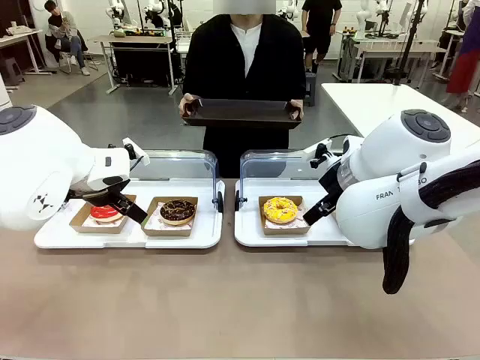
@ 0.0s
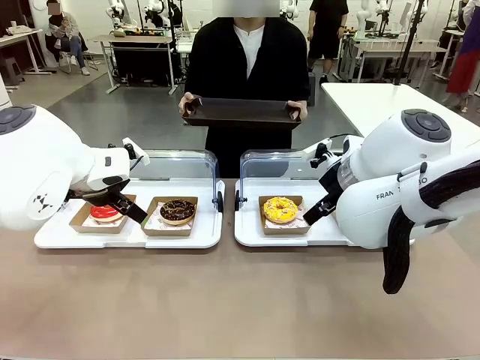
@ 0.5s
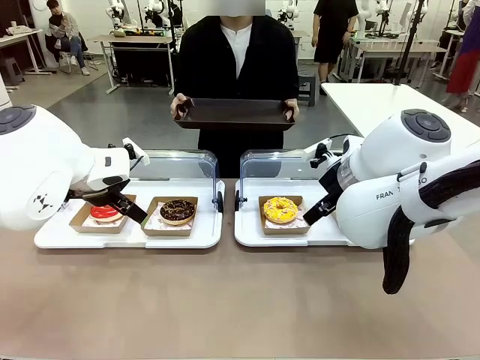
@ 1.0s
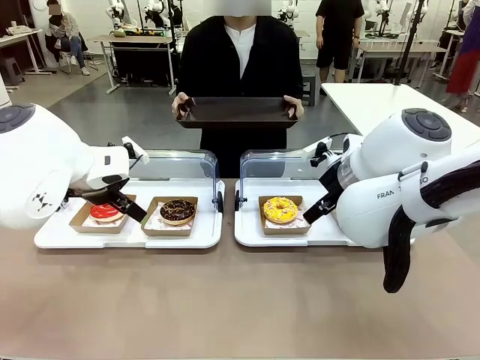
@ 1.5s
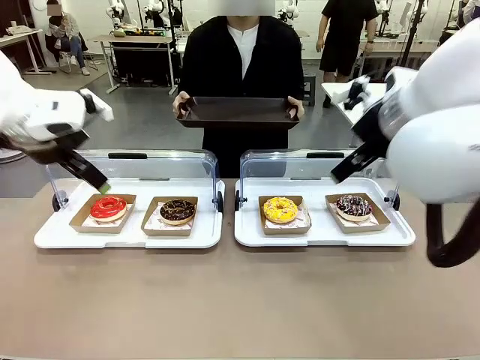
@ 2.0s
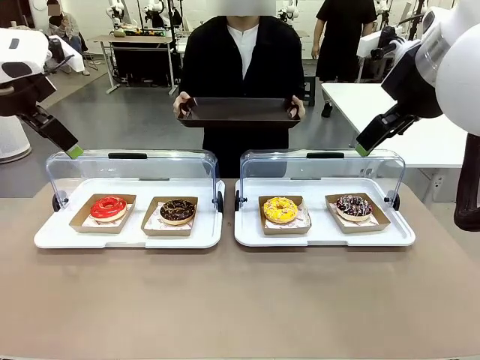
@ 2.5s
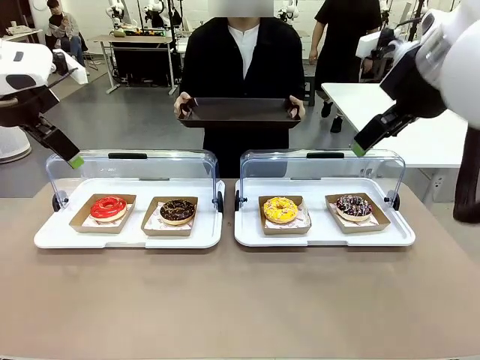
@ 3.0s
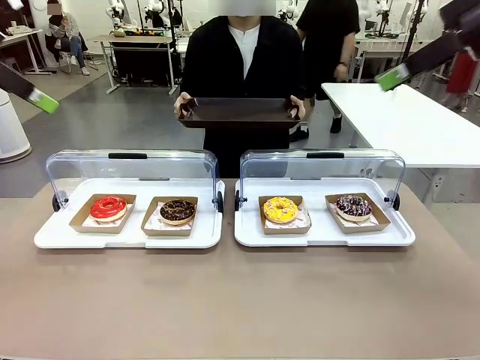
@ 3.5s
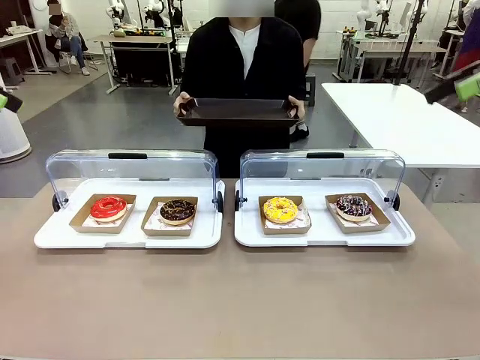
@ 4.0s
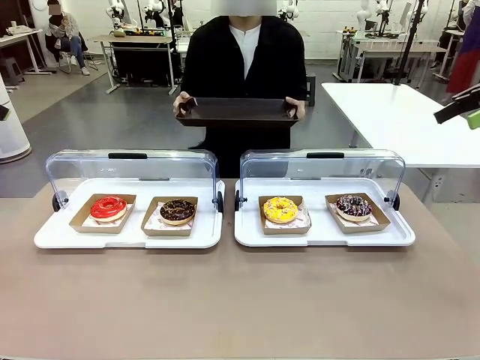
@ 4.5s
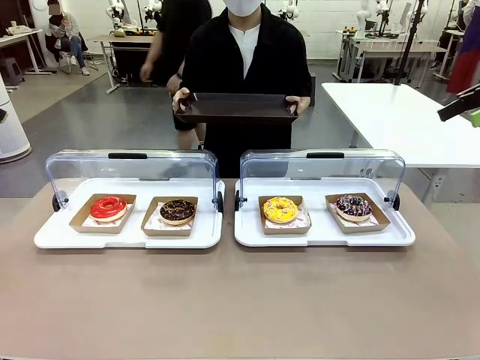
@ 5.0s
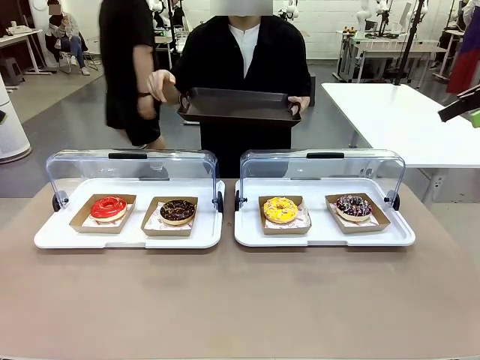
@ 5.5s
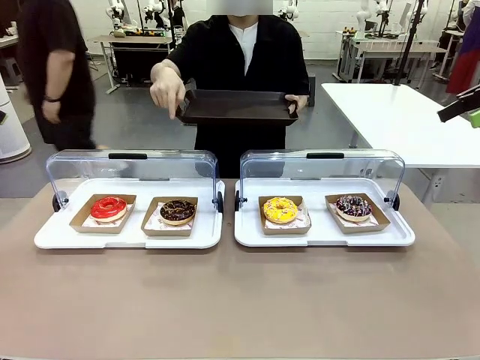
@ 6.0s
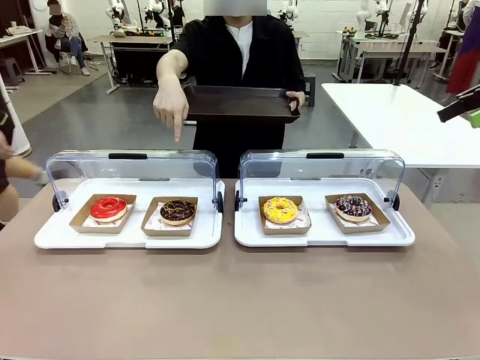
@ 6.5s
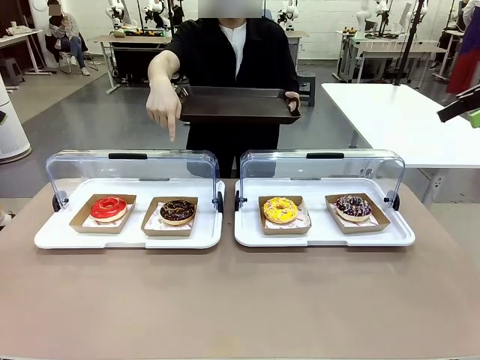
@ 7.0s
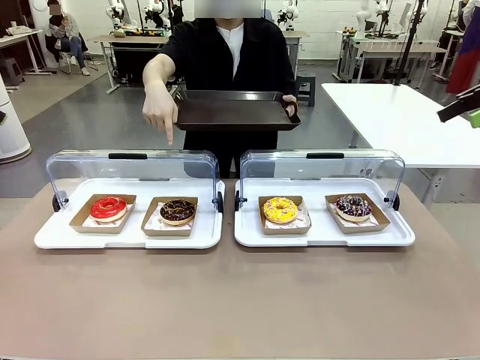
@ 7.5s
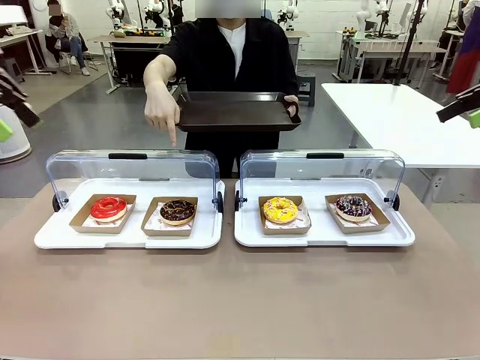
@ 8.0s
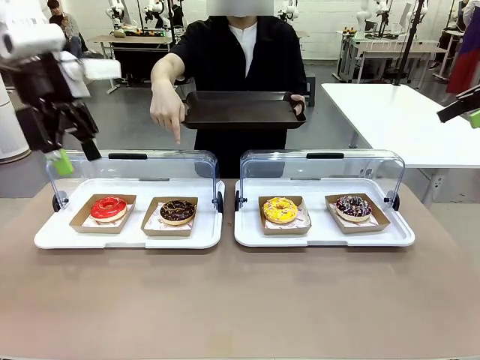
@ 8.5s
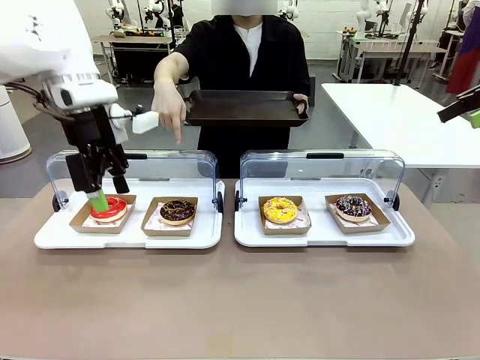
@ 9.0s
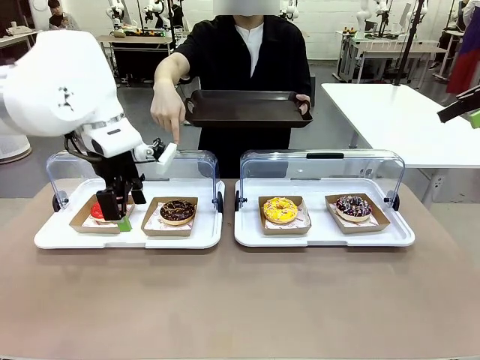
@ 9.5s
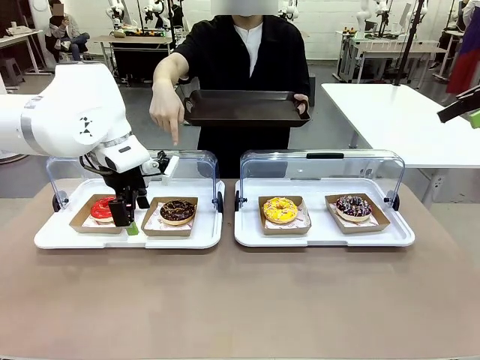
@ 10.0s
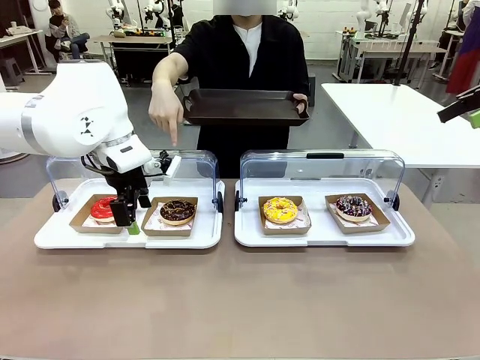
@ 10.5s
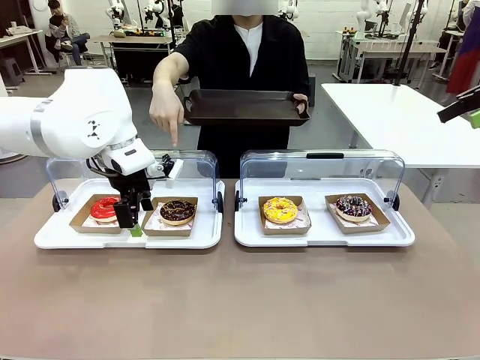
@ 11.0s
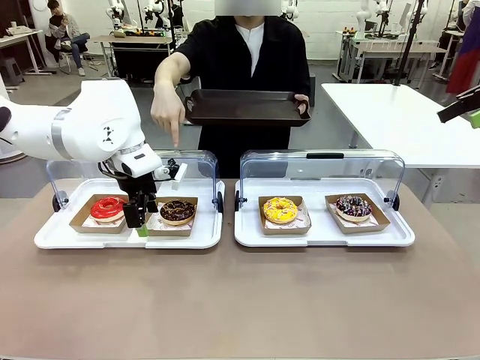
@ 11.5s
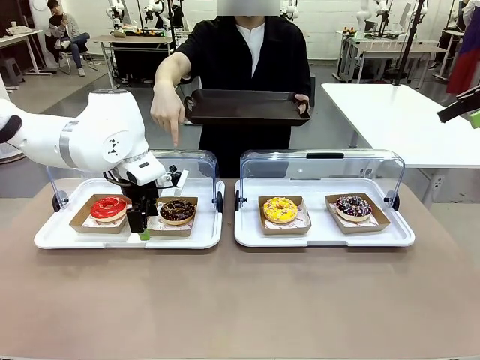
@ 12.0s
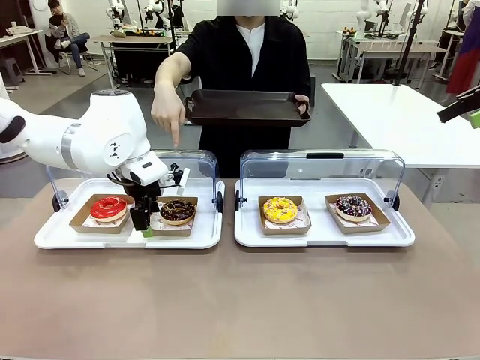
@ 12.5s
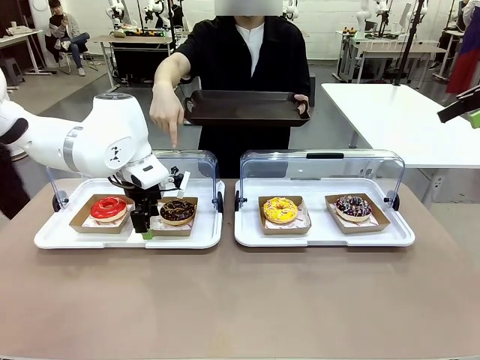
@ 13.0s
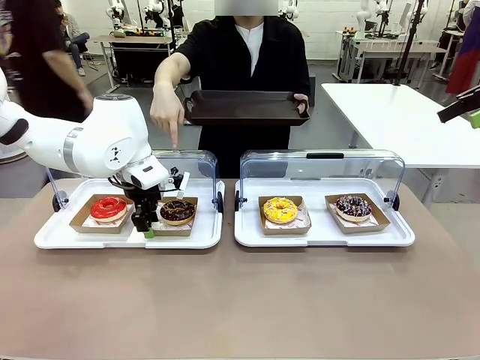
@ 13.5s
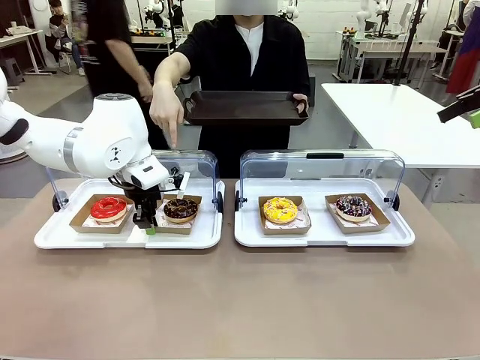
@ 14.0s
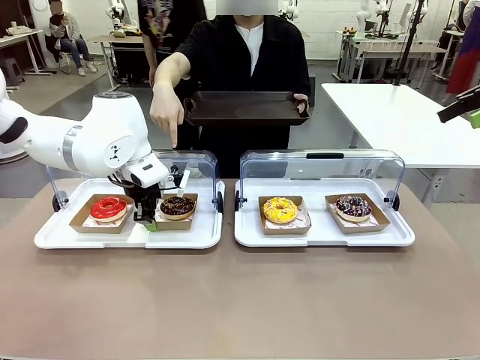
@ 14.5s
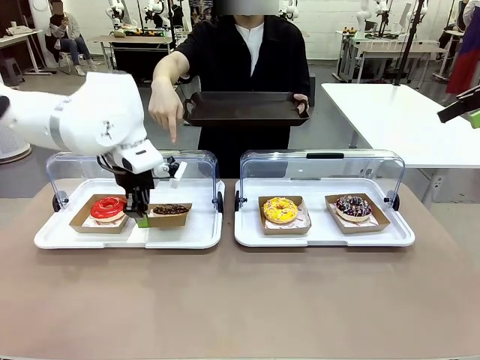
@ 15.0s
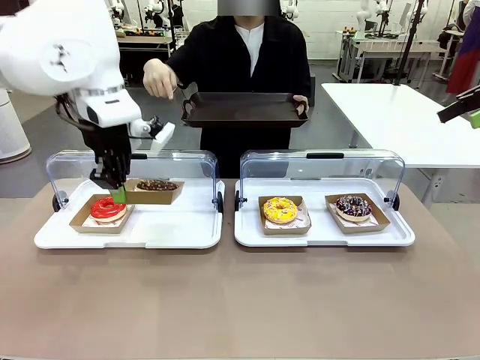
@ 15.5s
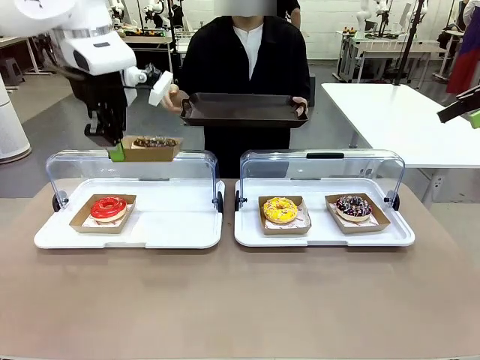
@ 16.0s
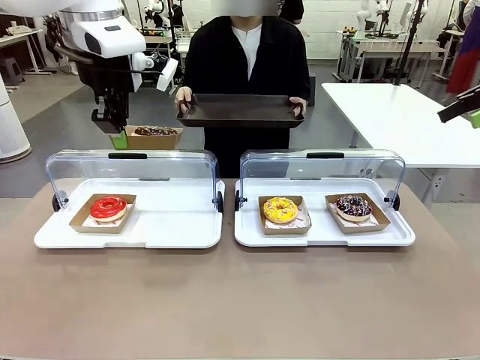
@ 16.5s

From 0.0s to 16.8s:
Task: Provide the desired donut to the person.
Robot: Pick up and lift the Paper togo box containing the Donut pointed at by the person.
Person: Point to one donut. Lift the tray onto the Roll-Top Bakery Case.

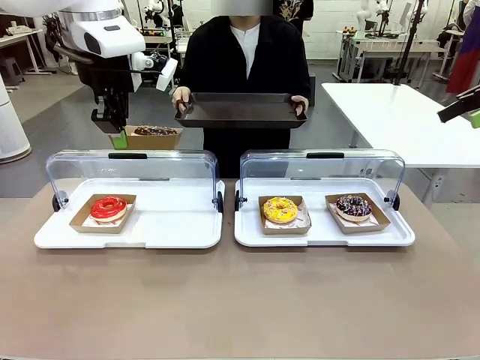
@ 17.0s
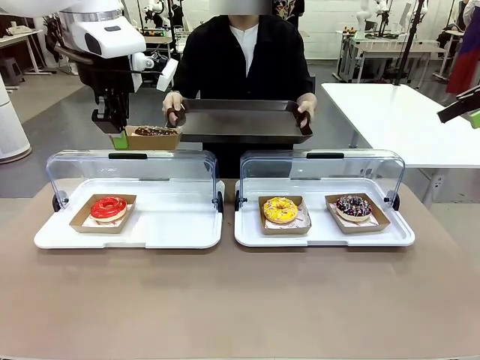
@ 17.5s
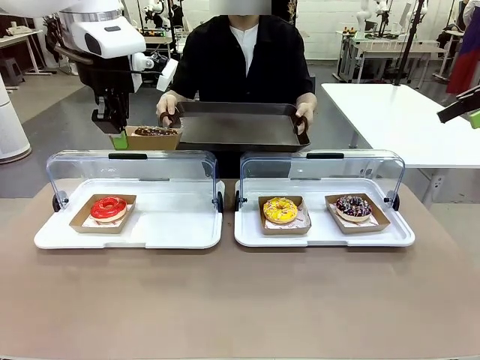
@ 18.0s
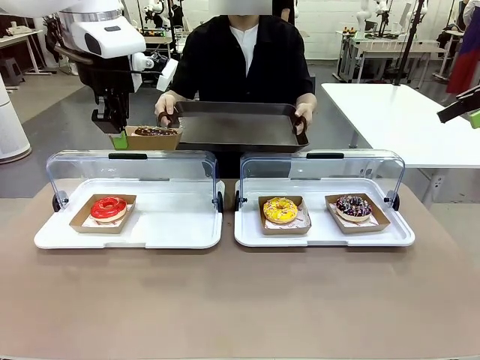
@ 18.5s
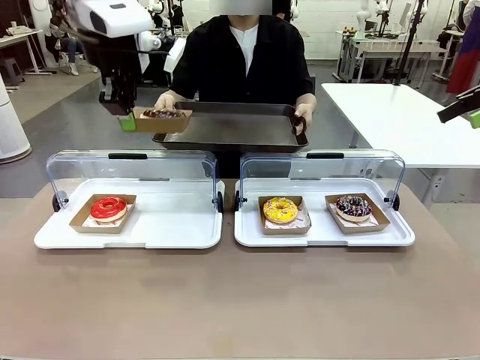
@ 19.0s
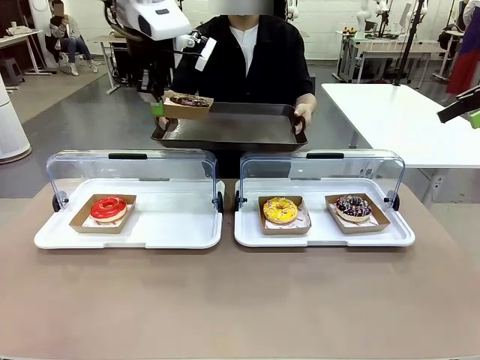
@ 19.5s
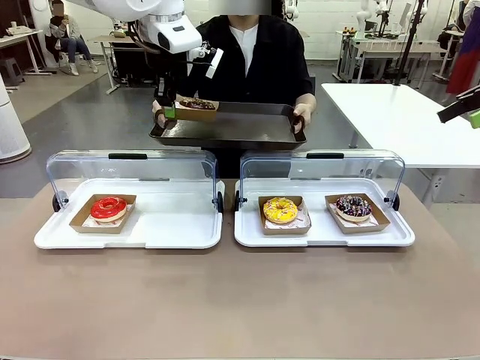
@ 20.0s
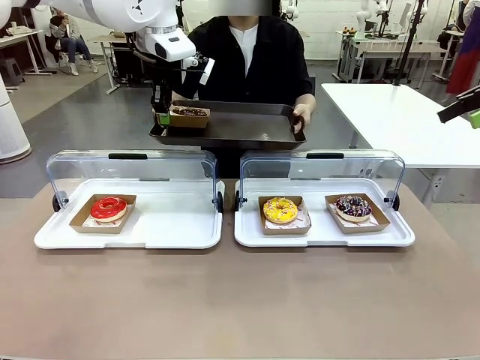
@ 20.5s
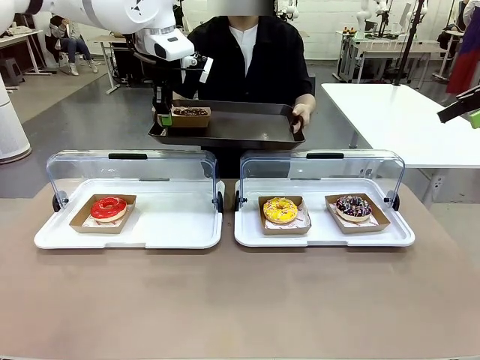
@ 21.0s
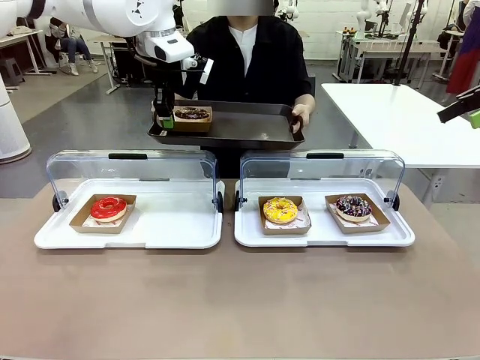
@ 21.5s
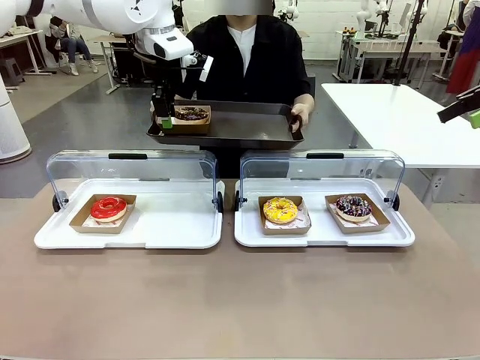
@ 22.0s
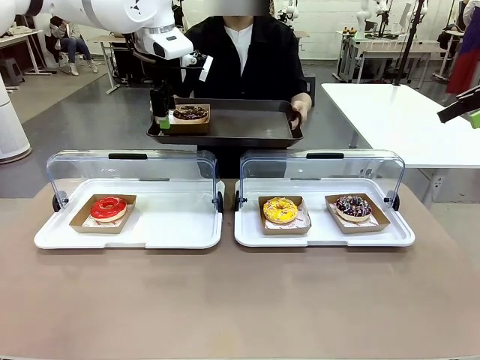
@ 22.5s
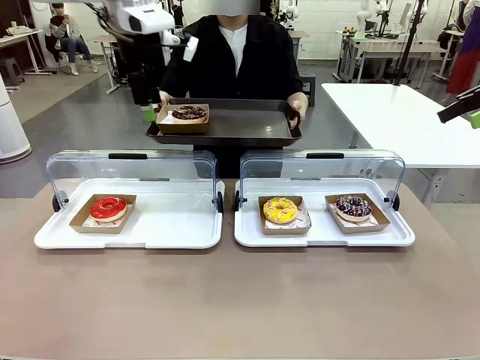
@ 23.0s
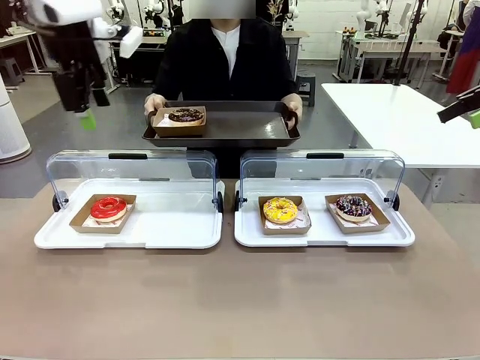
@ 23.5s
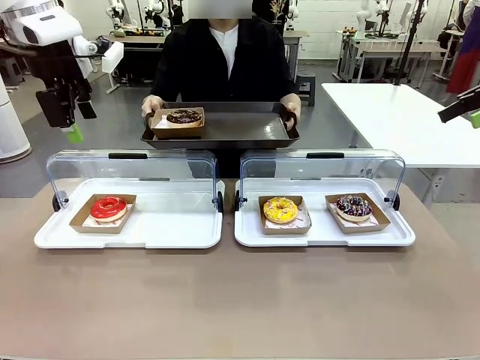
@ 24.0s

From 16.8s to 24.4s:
Robot: Place the picked Paper togo box onto the Handle tray extended by the person.

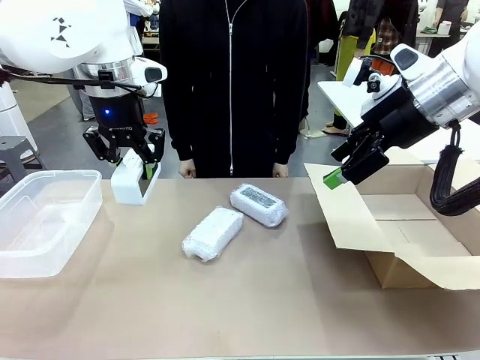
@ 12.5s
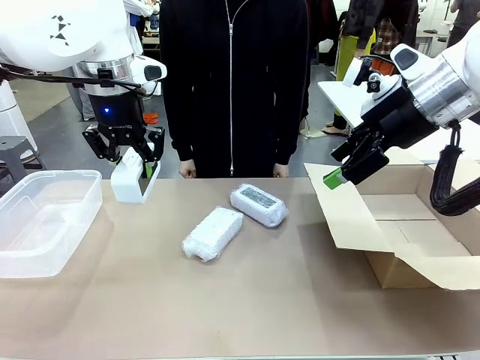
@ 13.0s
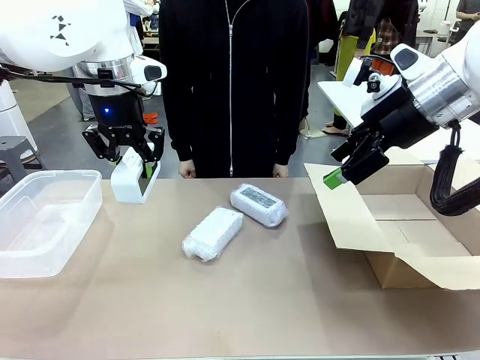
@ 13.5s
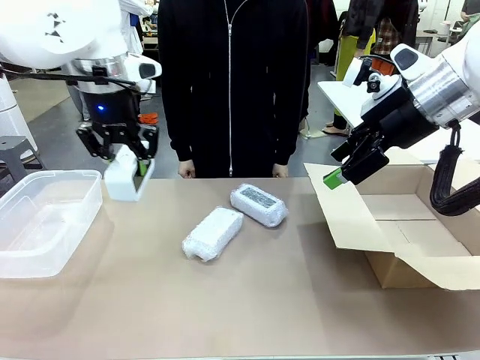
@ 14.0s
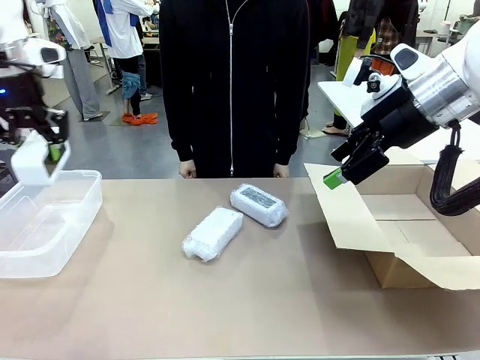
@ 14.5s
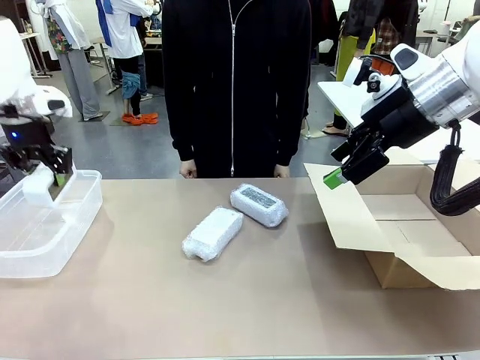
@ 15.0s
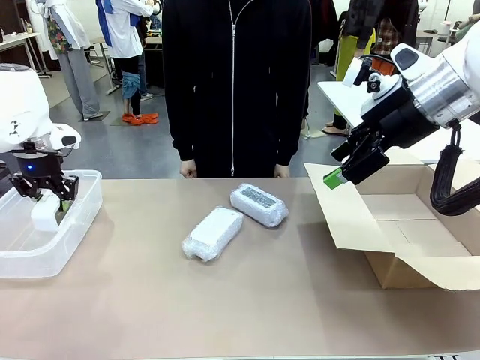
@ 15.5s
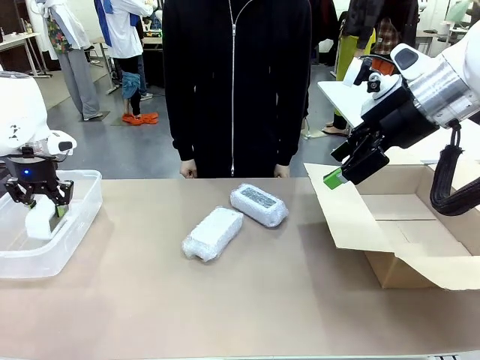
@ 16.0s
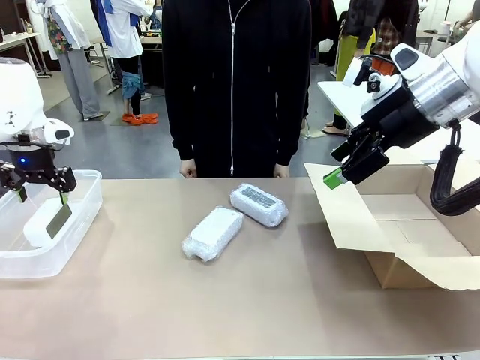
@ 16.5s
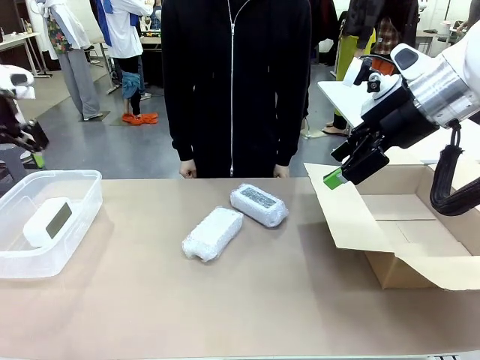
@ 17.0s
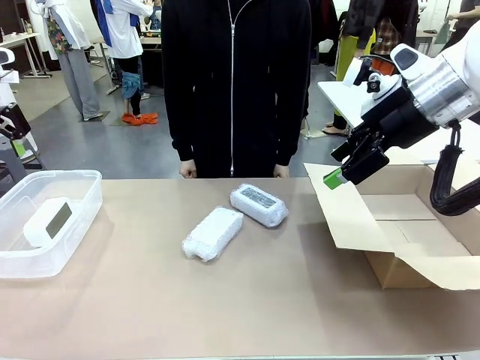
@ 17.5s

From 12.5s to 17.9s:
Task: Separate and place wrapped and unwrapped clocks.
Robot: If the picked Digital clock is wrapped, place it in the Package Box ; if not, place it in the Organizing box.
